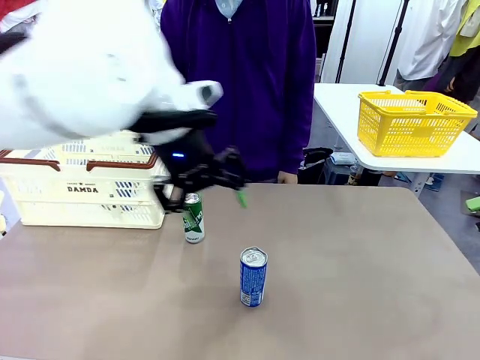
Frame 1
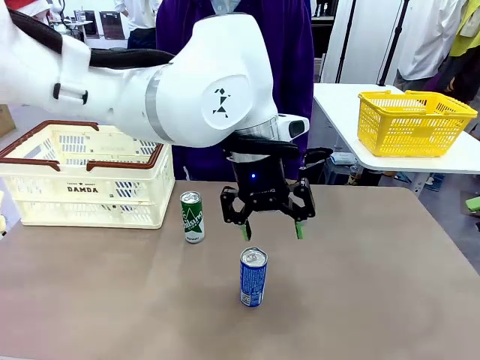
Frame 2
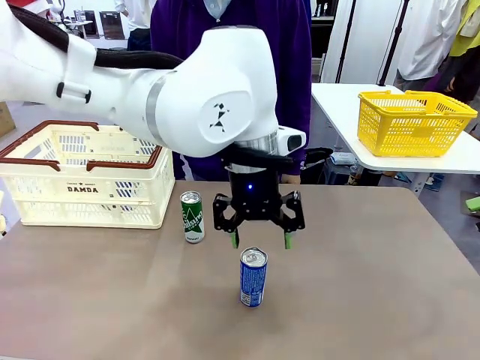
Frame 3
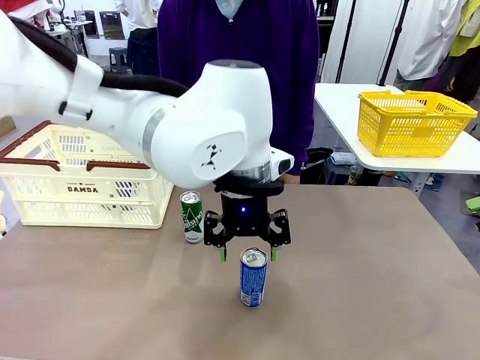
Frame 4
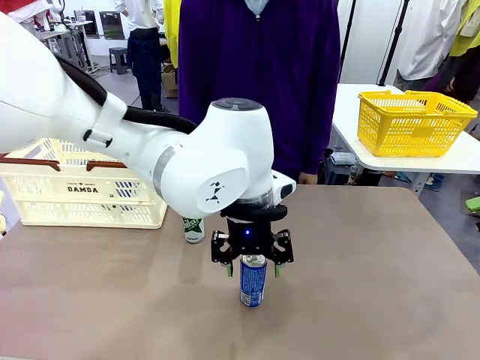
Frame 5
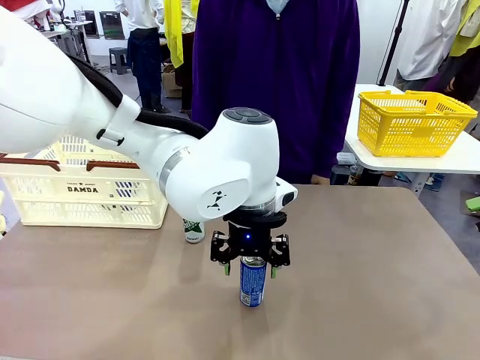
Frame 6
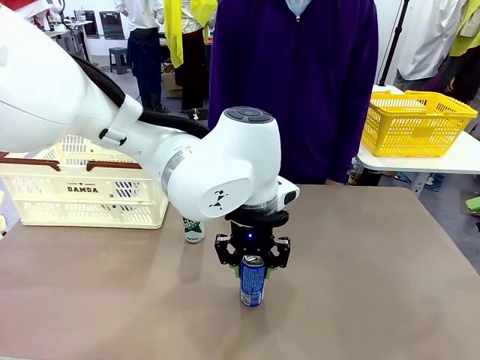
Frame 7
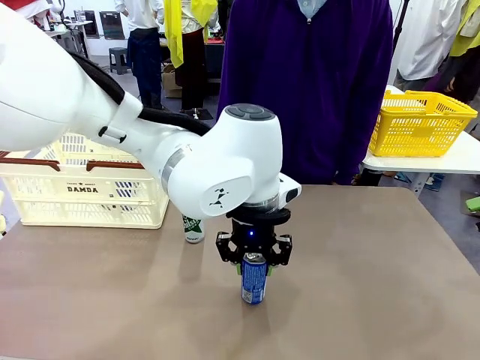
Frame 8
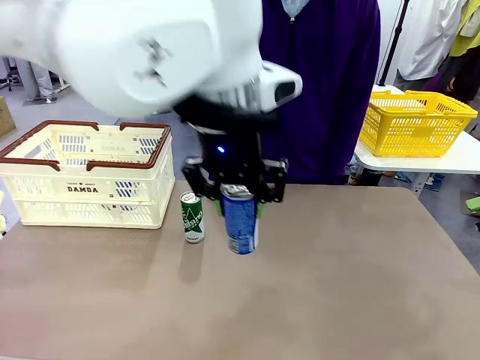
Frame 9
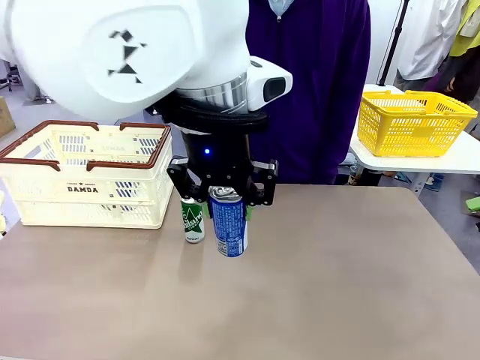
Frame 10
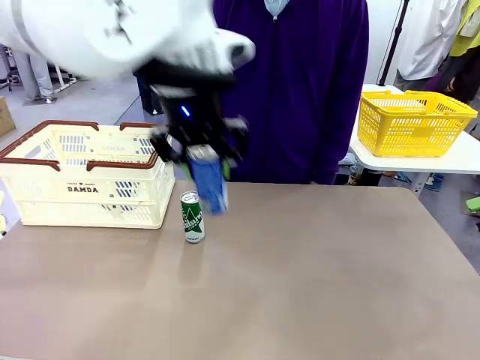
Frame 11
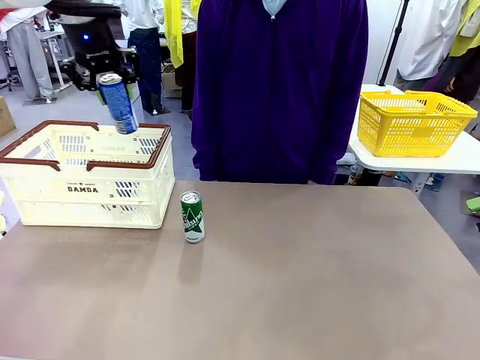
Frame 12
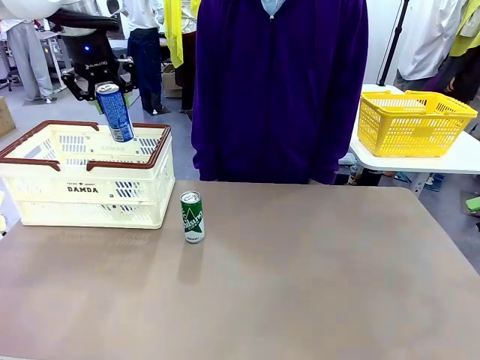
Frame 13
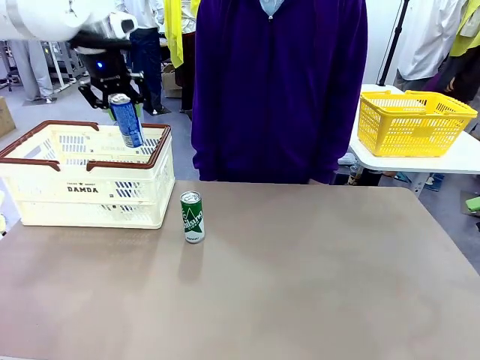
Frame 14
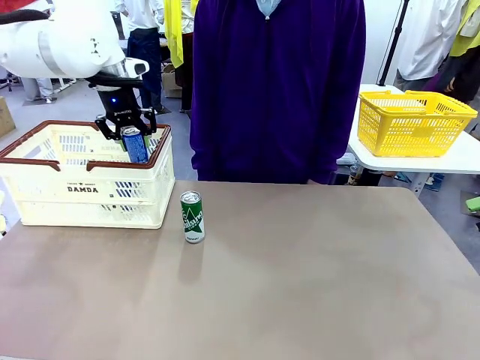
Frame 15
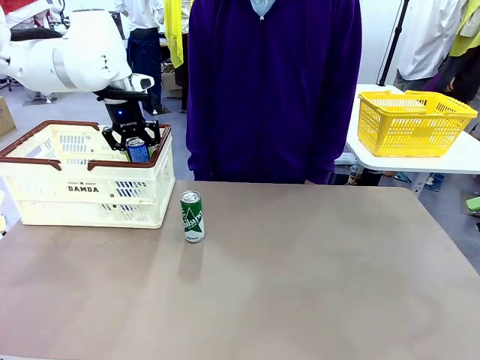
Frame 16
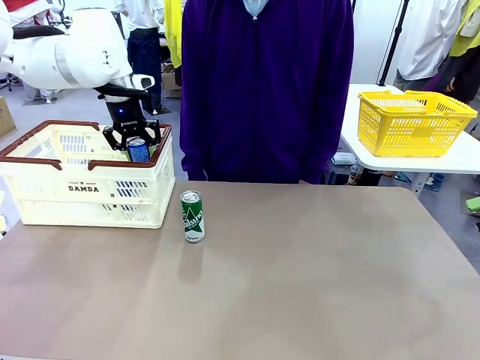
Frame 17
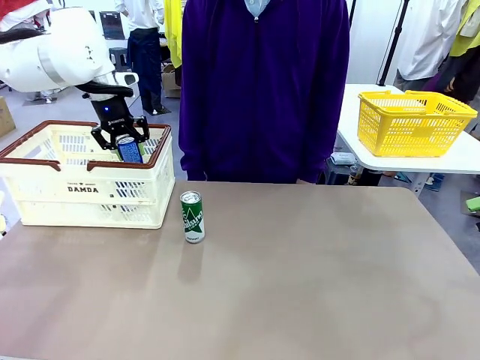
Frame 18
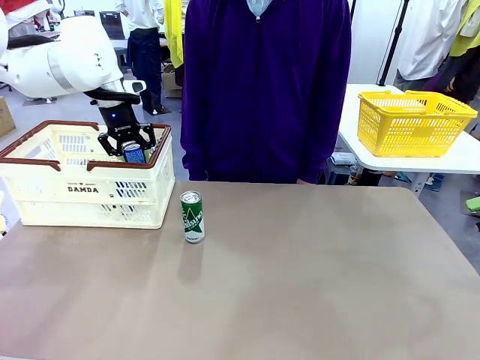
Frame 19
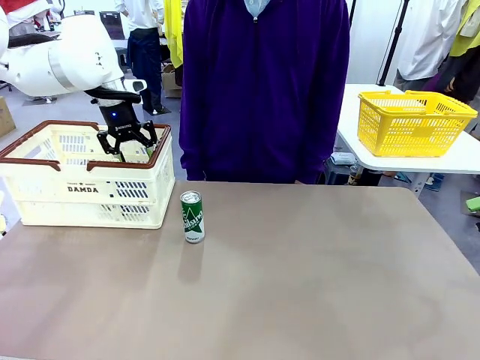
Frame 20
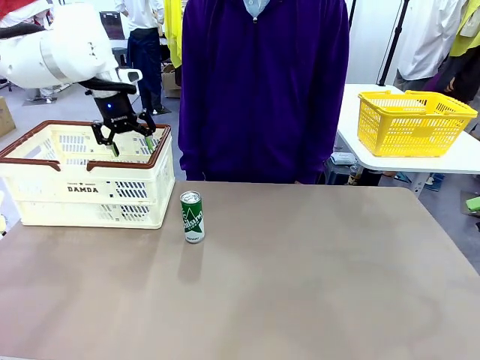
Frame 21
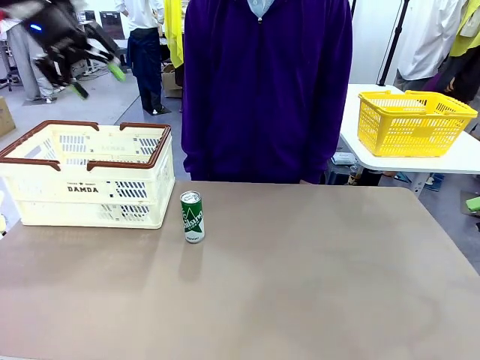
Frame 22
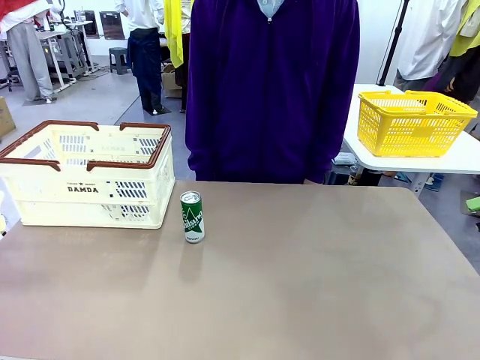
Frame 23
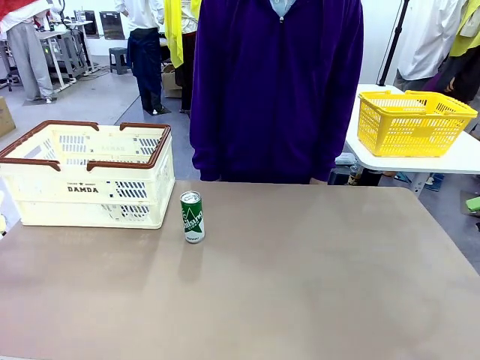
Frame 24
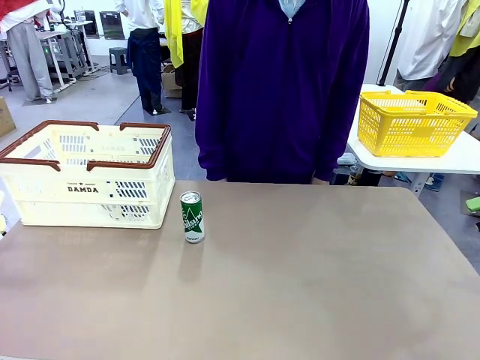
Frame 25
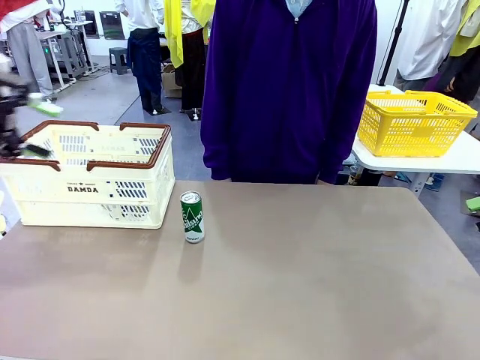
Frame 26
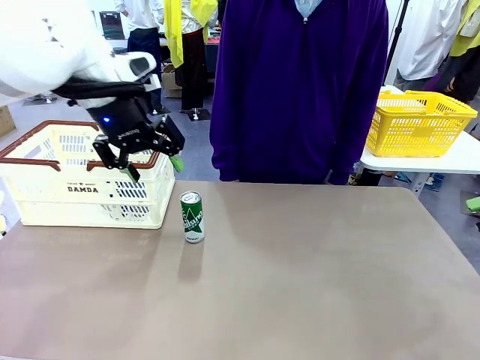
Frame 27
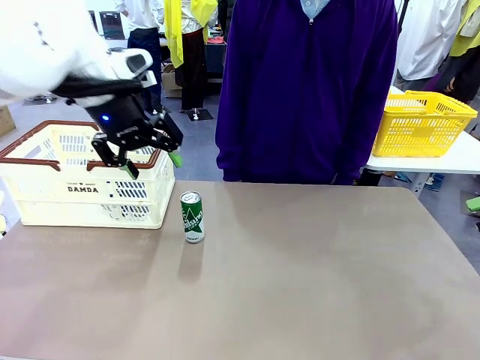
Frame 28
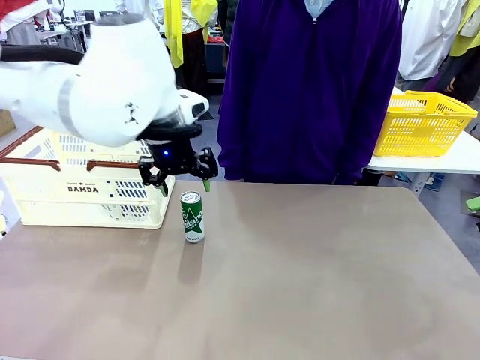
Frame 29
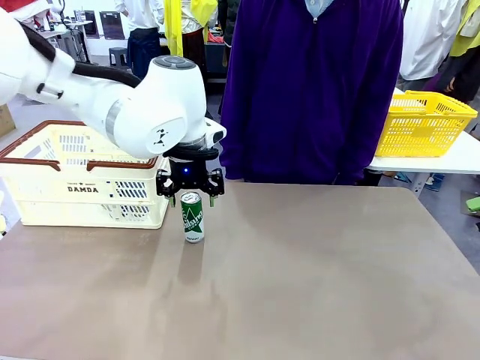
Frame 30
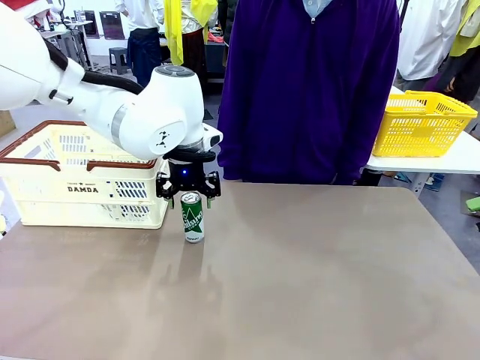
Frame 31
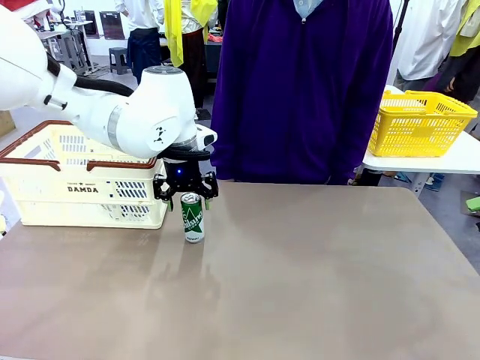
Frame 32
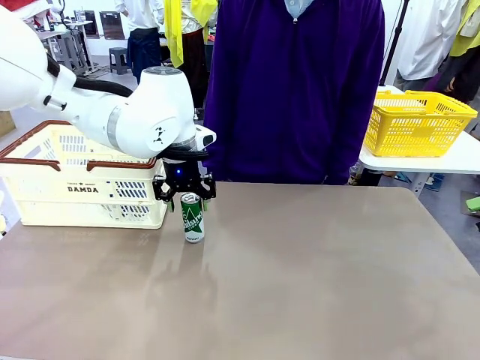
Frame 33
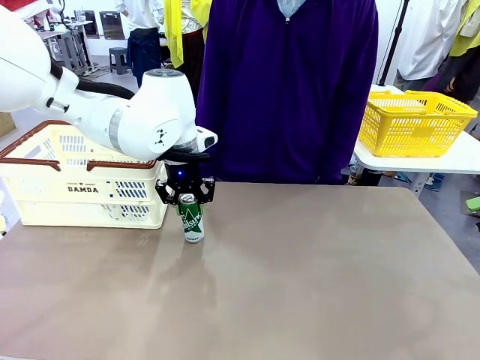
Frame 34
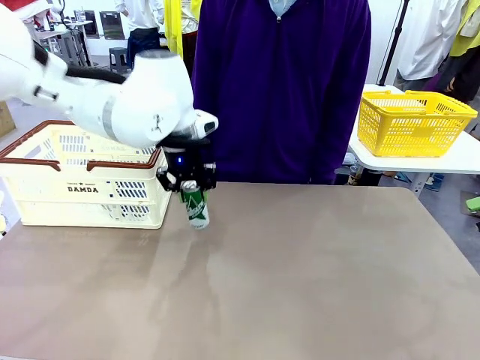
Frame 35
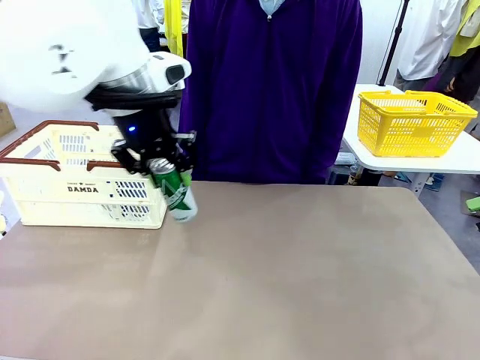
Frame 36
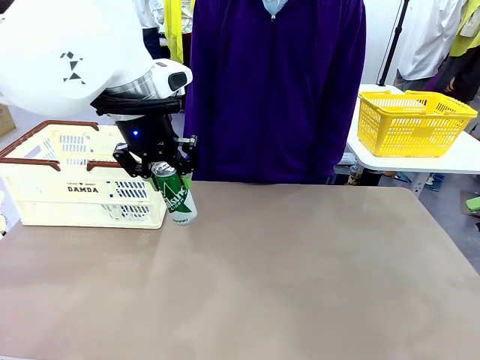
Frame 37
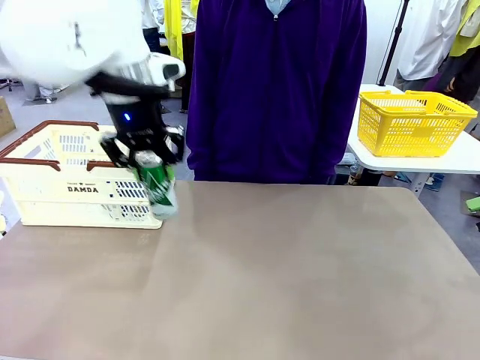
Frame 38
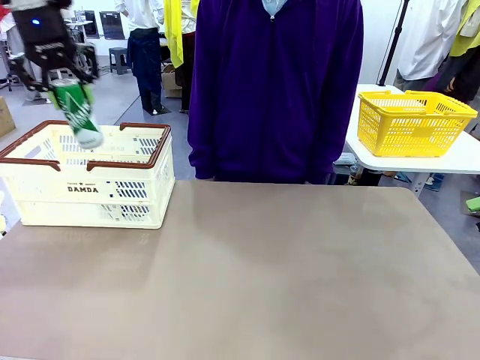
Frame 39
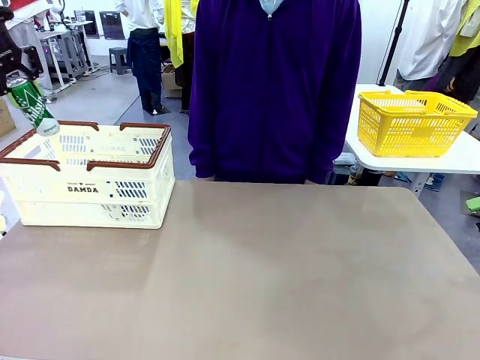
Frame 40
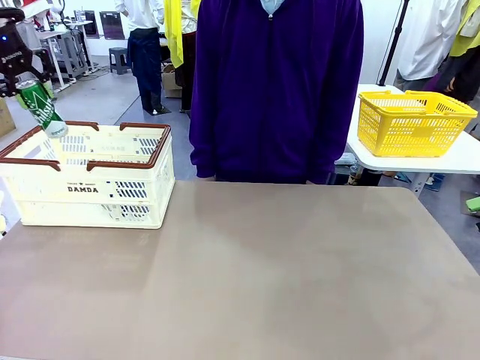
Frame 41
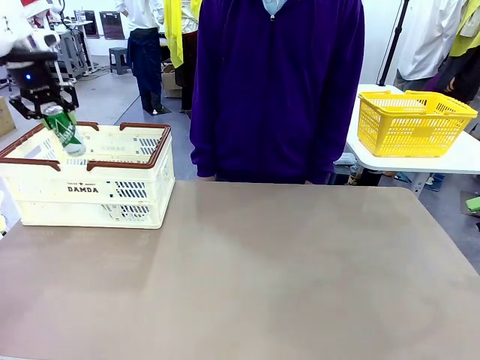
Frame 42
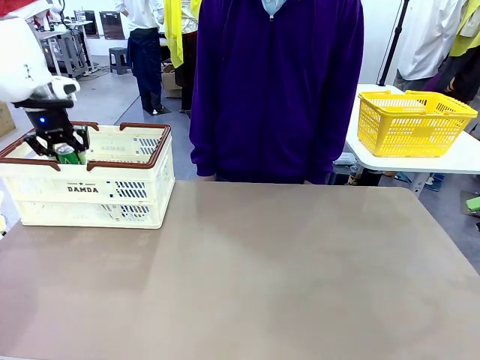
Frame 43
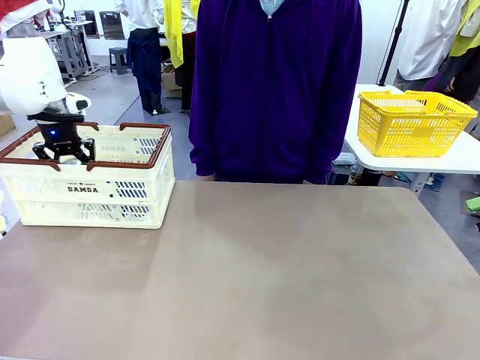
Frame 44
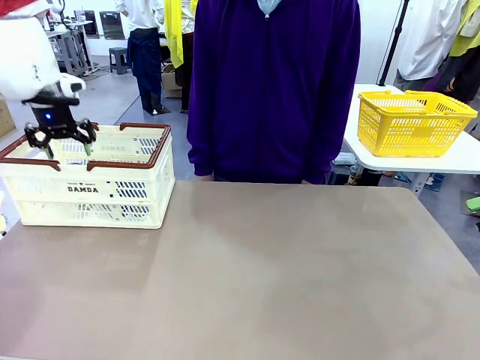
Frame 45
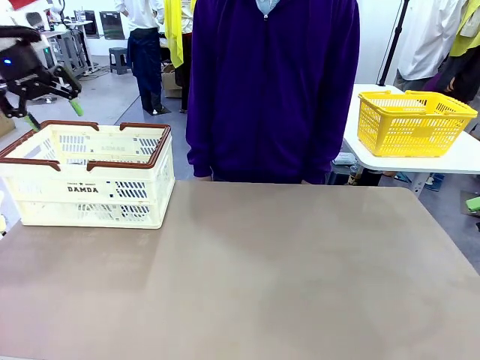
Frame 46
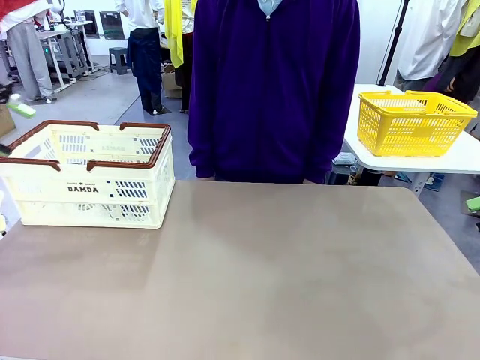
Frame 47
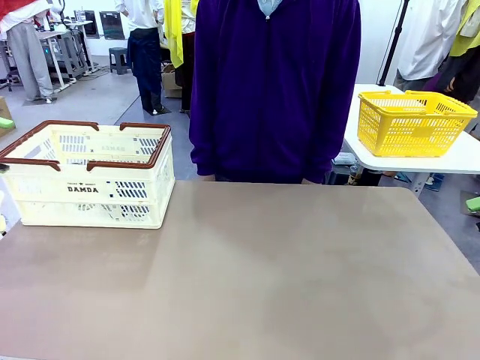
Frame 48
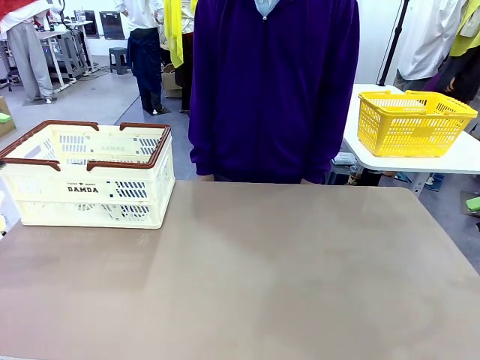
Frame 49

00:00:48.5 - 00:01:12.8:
Task: Place the drinks into the Shopping basket.
Robot: Pick up one drink and place it into the Shopping basket.
